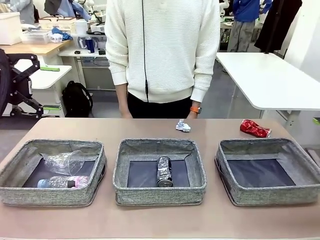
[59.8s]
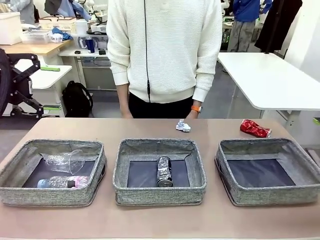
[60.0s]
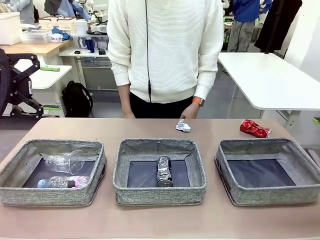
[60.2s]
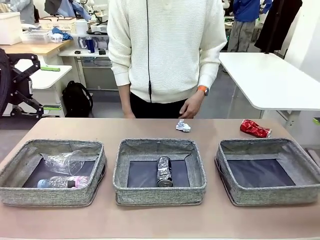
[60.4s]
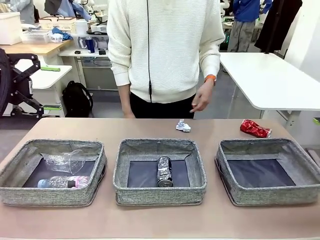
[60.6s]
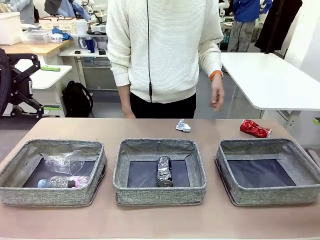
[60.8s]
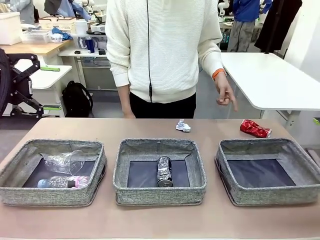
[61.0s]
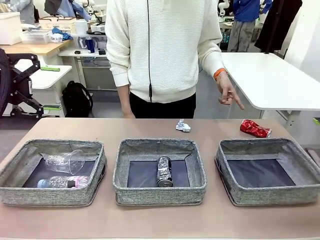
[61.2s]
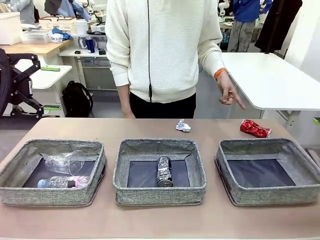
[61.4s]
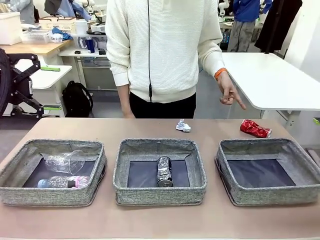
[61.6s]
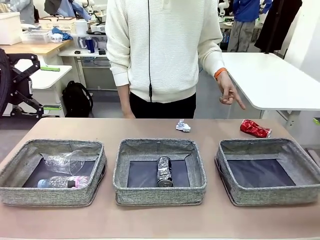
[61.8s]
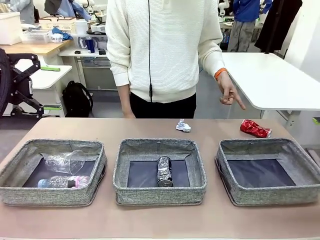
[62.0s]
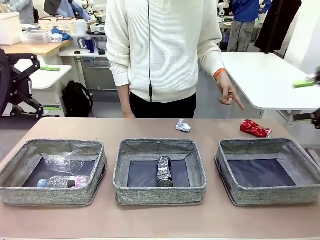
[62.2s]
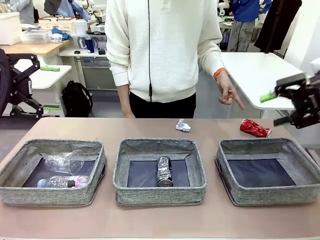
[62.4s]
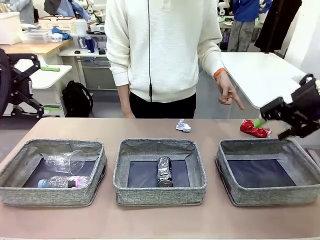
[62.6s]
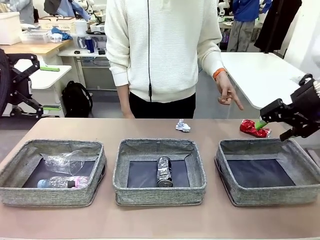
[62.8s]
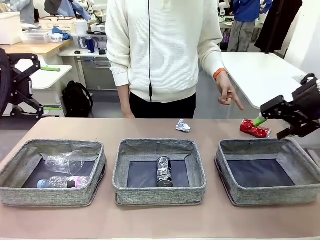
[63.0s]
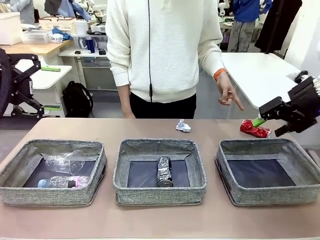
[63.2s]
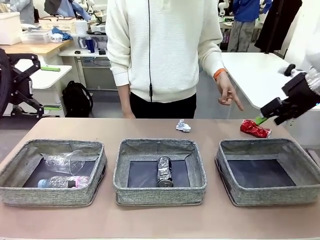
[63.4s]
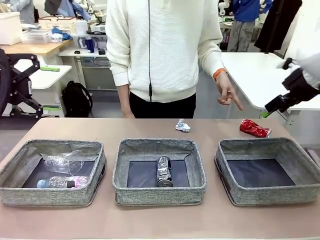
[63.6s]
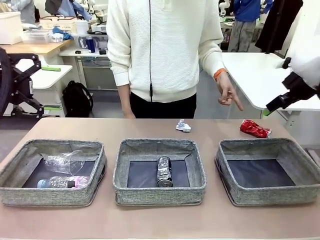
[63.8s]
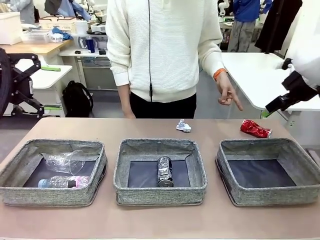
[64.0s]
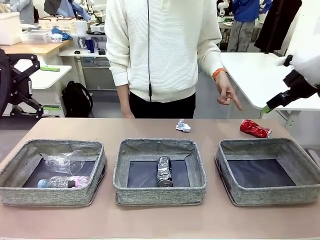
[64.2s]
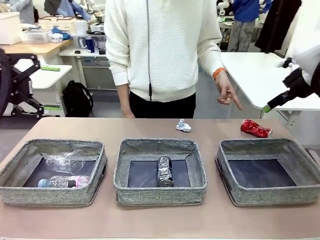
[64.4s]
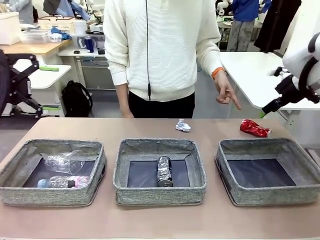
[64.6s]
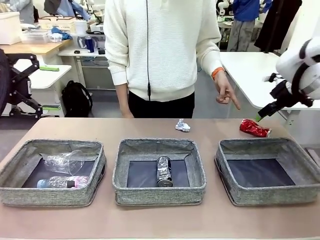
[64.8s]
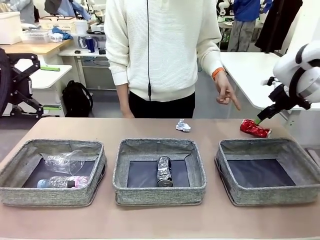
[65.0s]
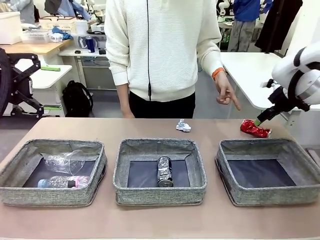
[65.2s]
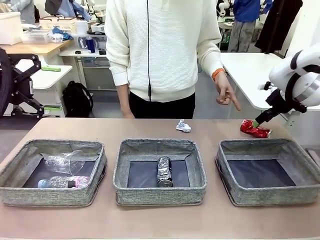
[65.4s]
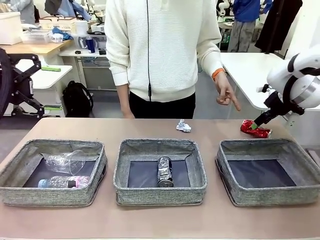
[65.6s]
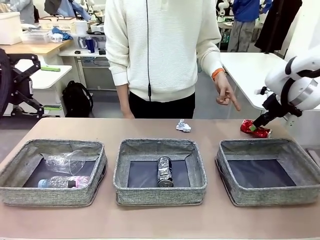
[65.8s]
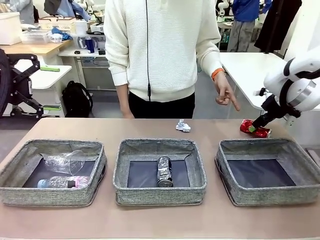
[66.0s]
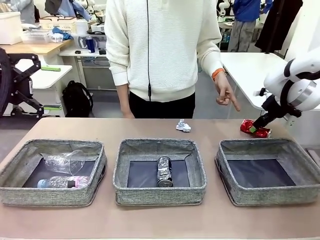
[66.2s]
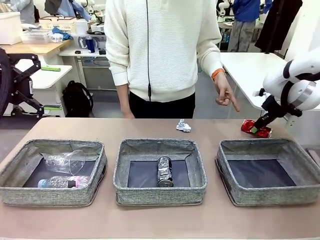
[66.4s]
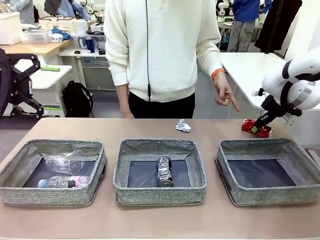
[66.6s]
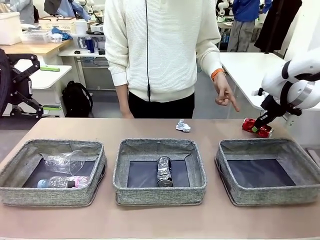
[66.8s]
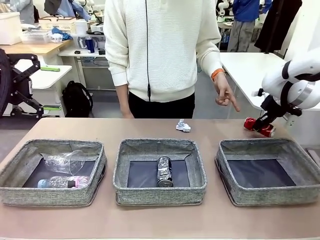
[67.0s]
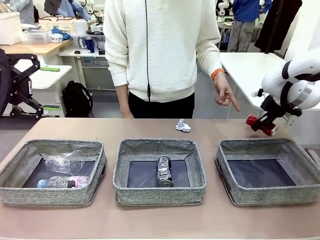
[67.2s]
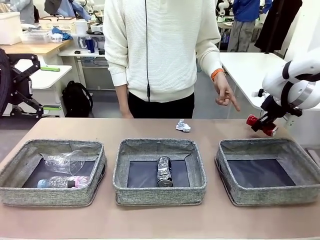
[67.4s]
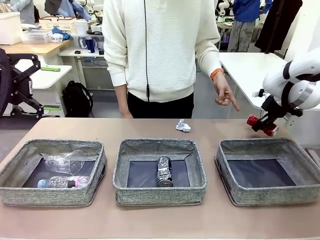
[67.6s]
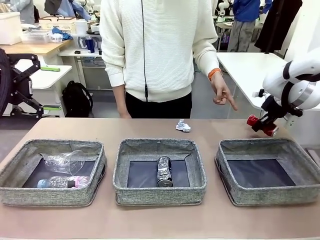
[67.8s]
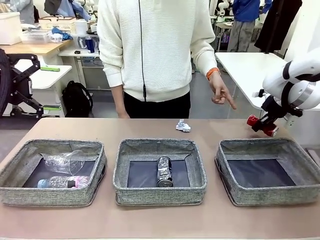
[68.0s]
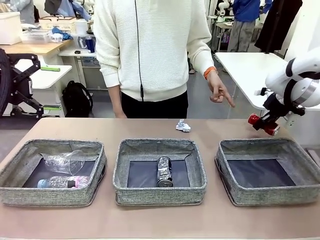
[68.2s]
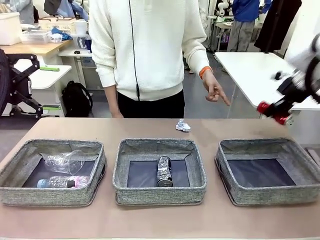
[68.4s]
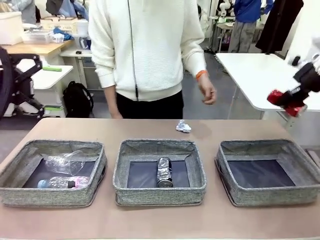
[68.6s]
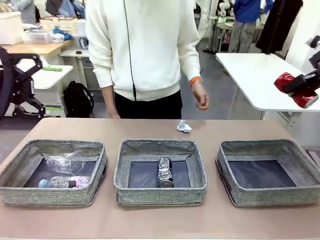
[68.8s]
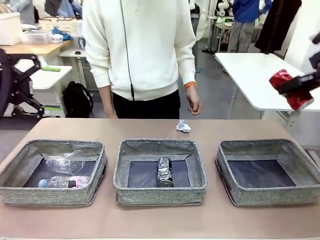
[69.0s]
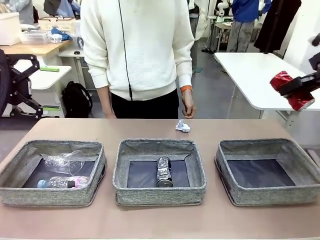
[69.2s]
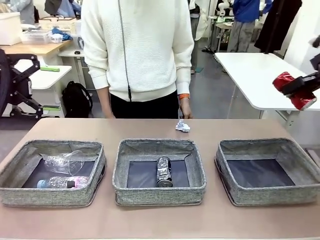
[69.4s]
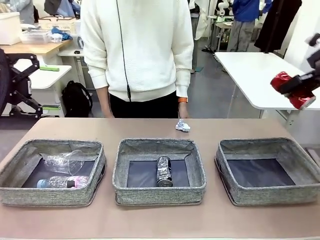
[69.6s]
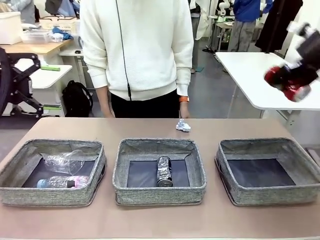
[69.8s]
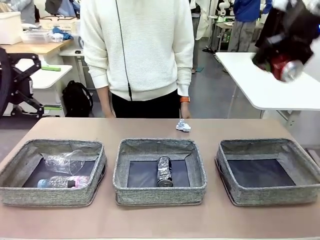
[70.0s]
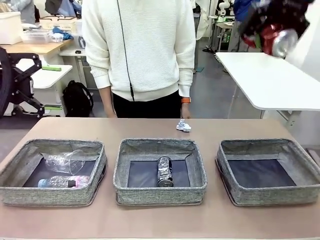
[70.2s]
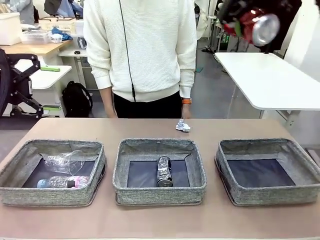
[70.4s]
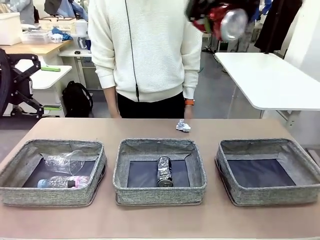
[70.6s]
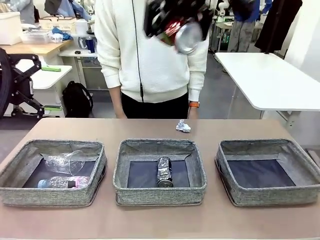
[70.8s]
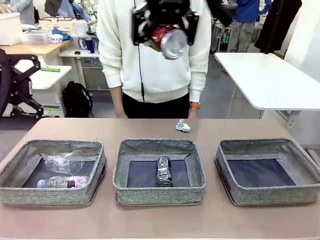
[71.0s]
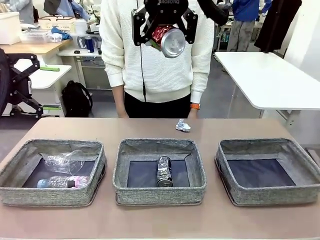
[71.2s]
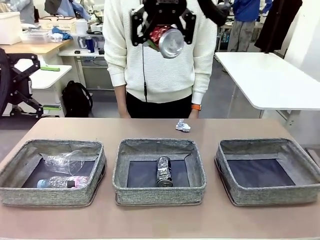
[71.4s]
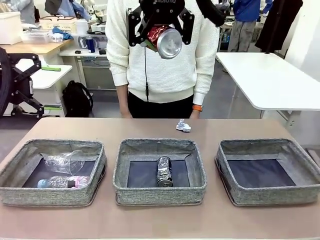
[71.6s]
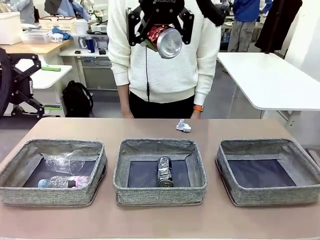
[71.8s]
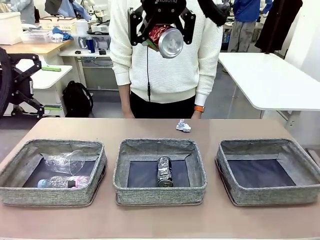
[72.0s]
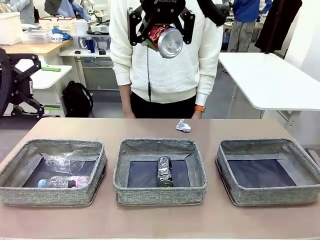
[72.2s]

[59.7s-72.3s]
Task: Sort the waste into the appropriate baskets.
Robot: Pick up the waste item pointed out by the person.
Person: Points to one piece of trash on the table.

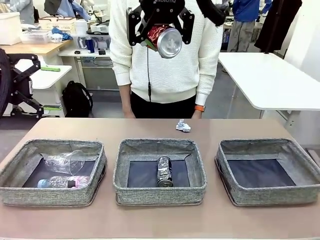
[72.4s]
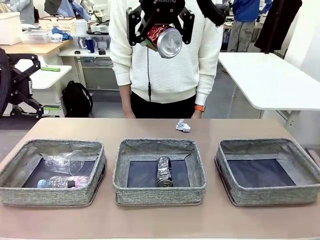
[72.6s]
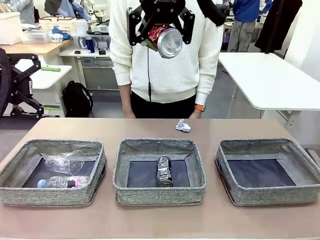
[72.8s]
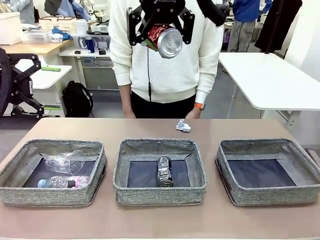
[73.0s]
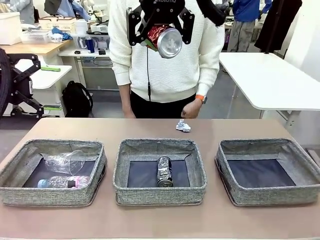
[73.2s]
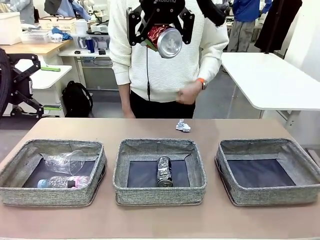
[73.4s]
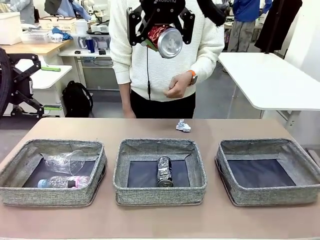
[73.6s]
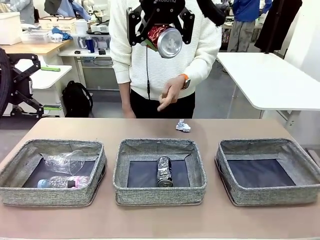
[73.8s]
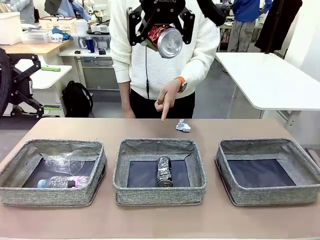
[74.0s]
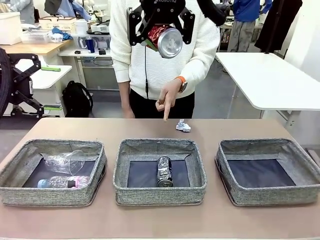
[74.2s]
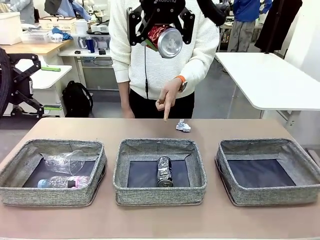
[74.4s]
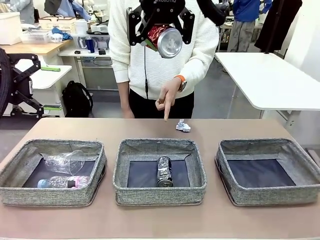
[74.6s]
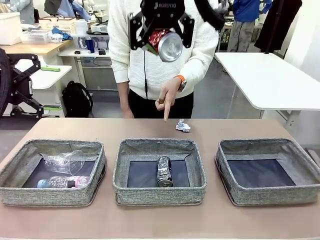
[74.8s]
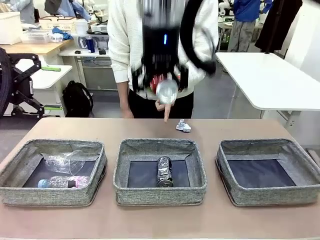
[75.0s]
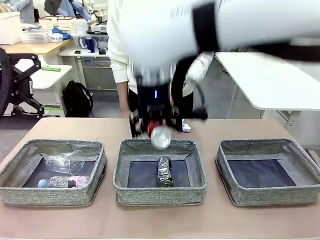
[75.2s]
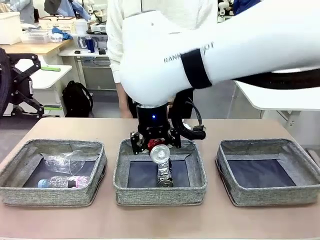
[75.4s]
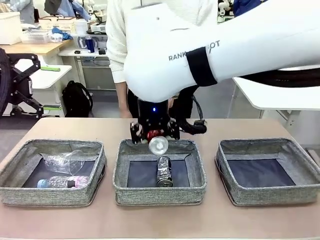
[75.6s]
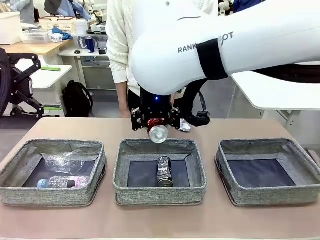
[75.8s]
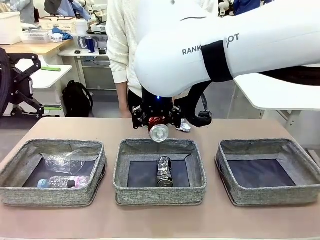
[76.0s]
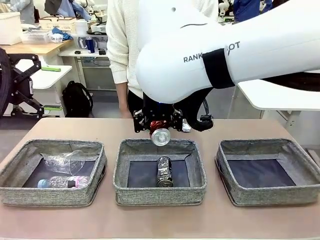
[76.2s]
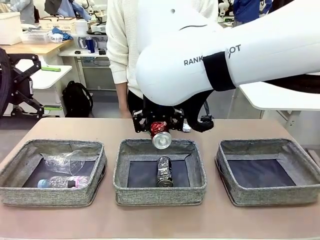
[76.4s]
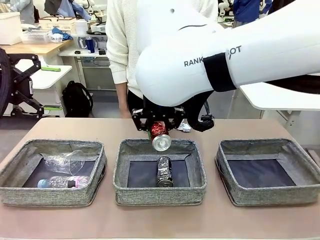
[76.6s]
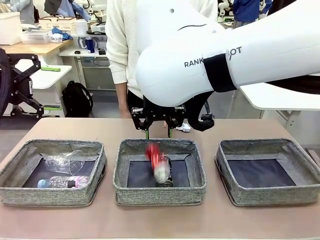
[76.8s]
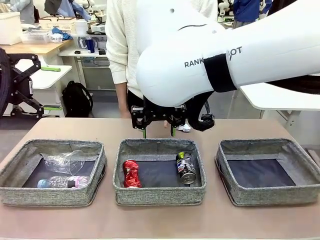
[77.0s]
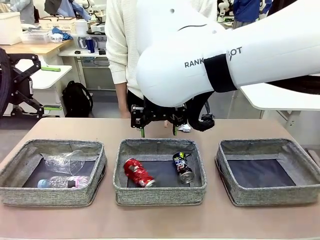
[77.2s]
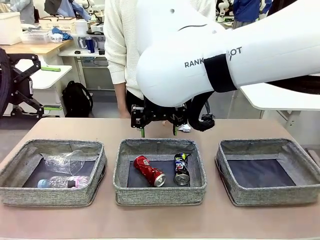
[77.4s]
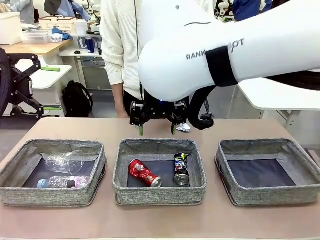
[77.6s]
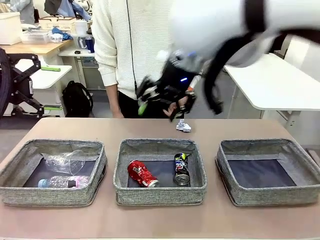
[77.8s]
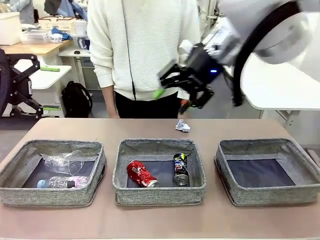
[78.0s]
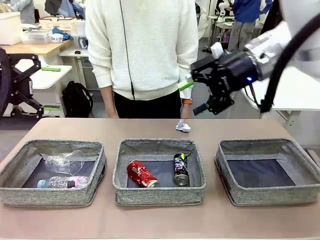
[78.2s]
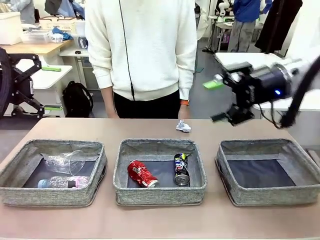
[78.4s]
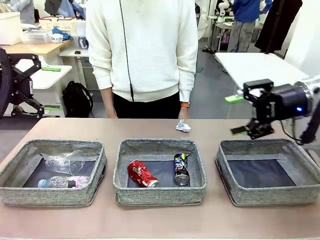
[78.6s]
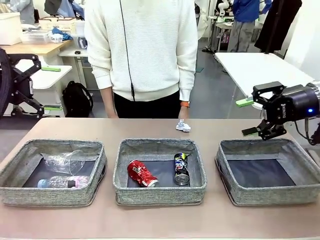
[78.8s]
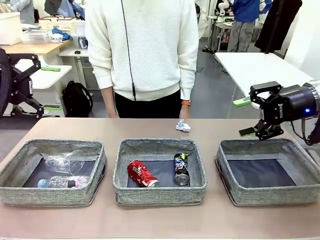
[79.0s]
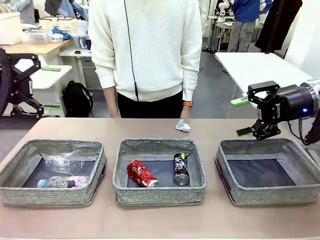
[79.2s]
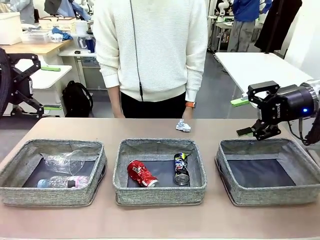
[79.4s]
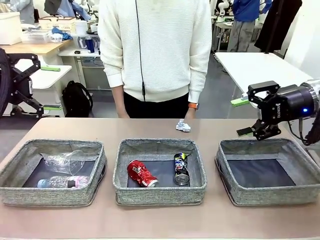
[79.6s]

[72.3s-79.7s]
Robot: Place the picked waste into the Fabric basket indicated by the person.
Person: Instructs the robot to place the picked-up trash into the appropriate organizing basket.
